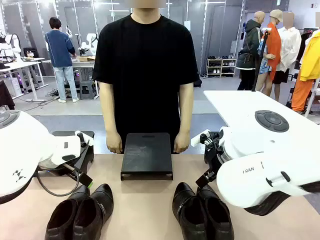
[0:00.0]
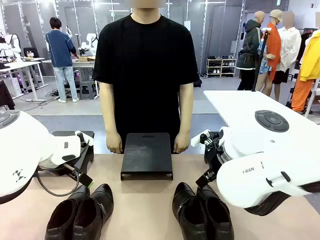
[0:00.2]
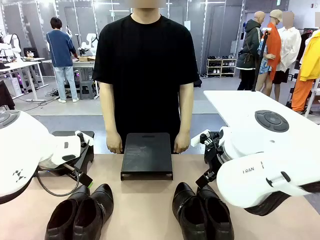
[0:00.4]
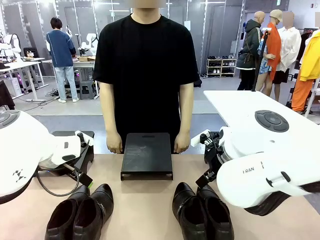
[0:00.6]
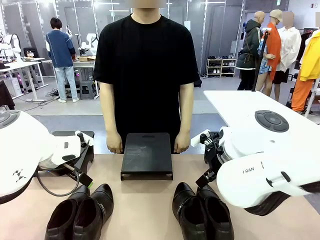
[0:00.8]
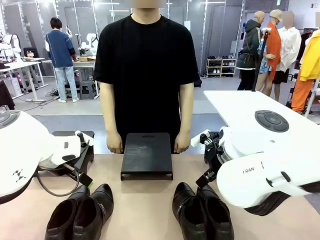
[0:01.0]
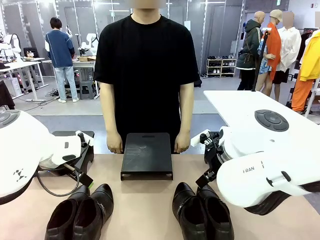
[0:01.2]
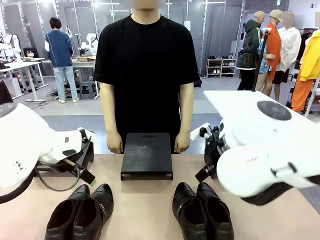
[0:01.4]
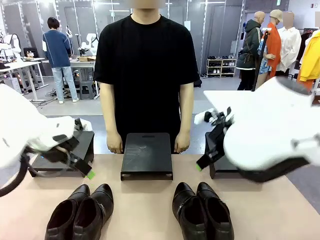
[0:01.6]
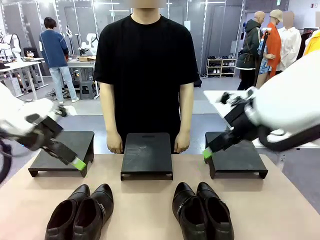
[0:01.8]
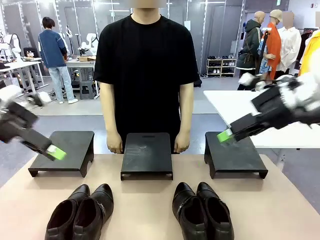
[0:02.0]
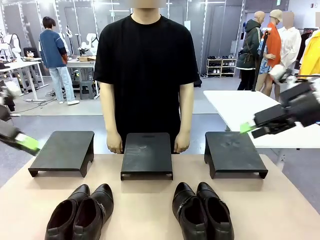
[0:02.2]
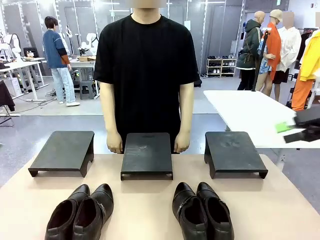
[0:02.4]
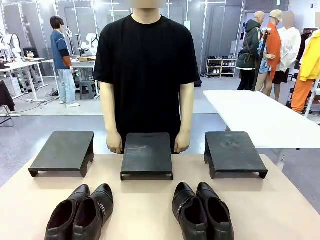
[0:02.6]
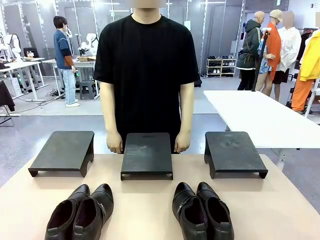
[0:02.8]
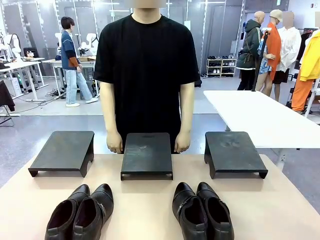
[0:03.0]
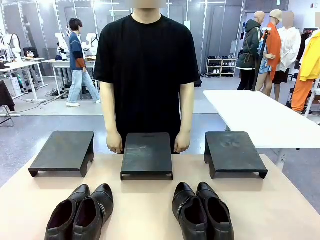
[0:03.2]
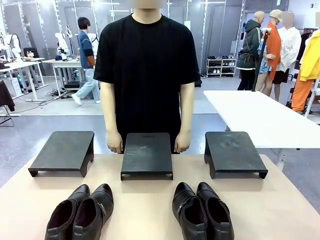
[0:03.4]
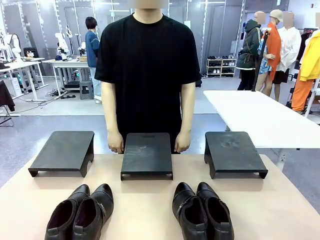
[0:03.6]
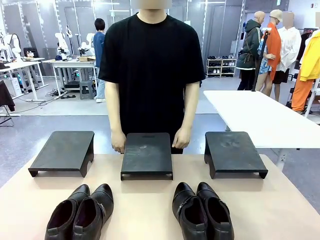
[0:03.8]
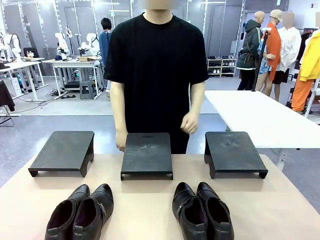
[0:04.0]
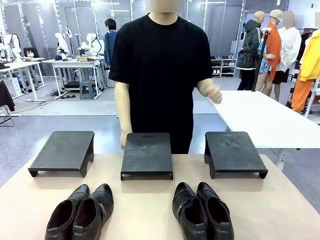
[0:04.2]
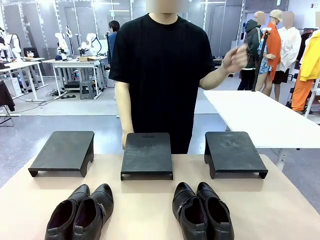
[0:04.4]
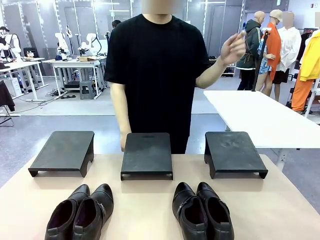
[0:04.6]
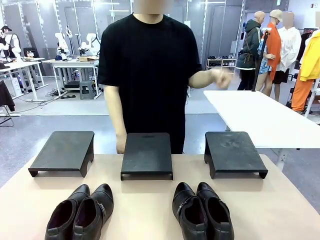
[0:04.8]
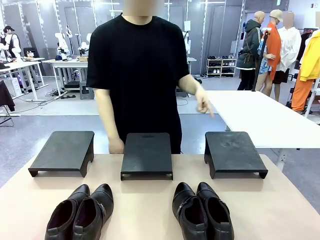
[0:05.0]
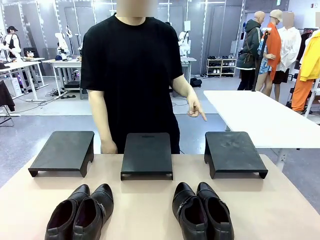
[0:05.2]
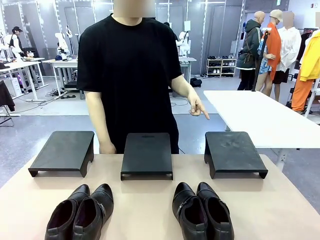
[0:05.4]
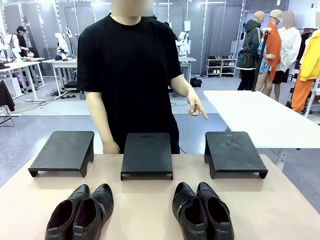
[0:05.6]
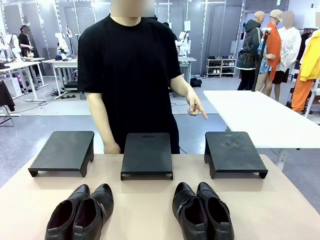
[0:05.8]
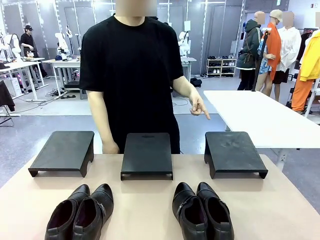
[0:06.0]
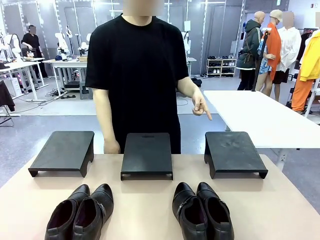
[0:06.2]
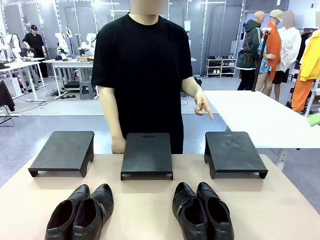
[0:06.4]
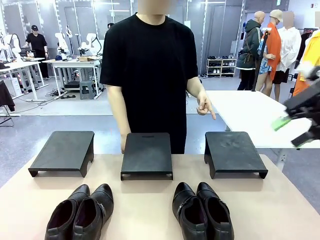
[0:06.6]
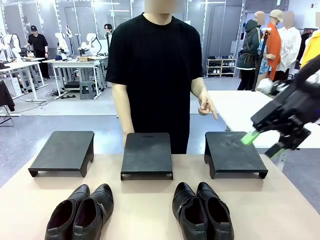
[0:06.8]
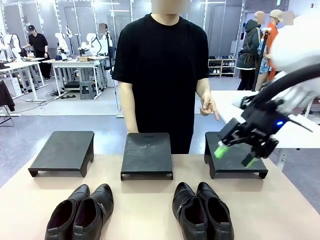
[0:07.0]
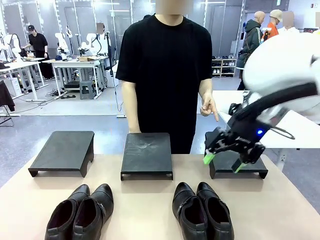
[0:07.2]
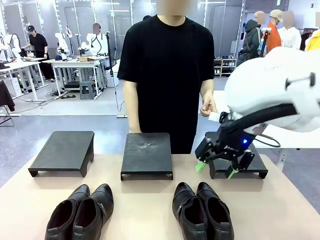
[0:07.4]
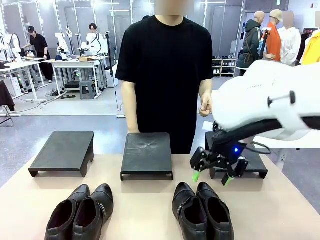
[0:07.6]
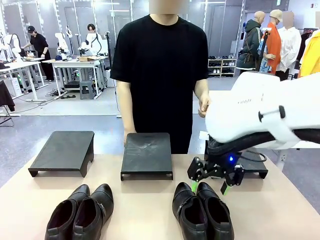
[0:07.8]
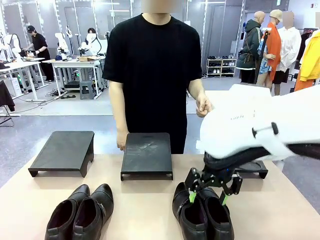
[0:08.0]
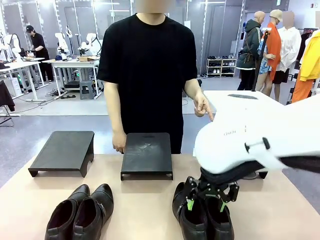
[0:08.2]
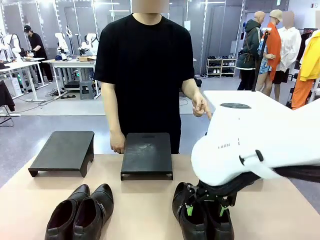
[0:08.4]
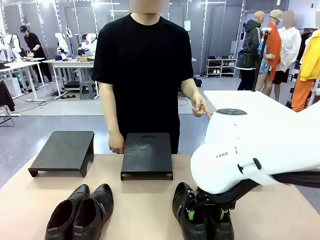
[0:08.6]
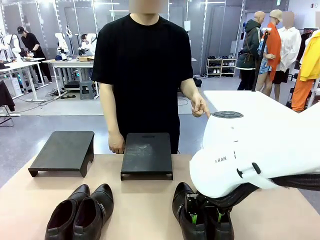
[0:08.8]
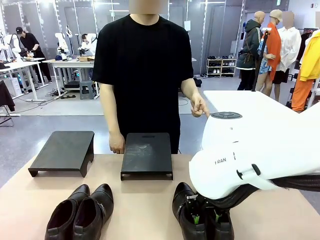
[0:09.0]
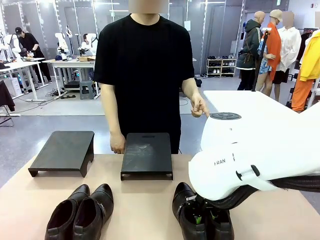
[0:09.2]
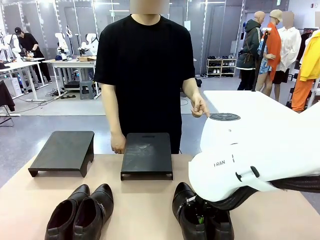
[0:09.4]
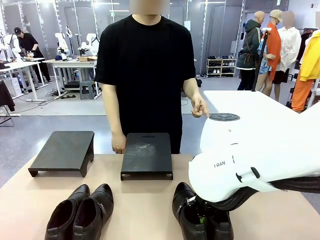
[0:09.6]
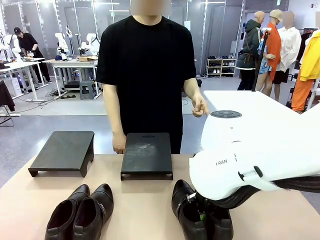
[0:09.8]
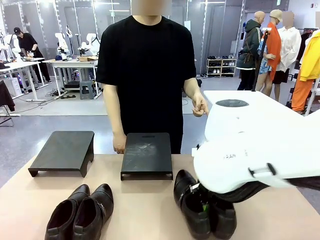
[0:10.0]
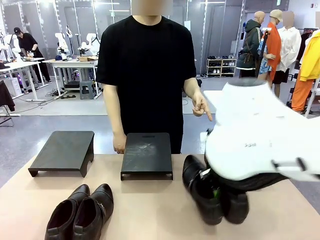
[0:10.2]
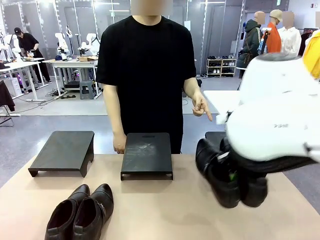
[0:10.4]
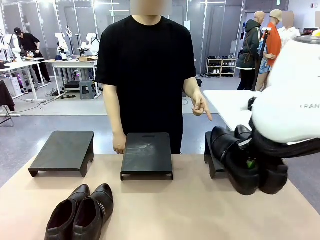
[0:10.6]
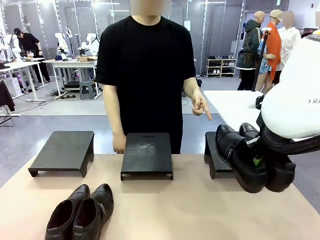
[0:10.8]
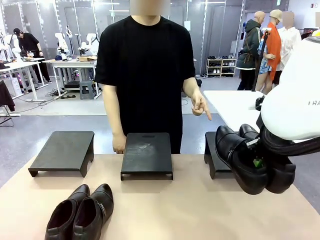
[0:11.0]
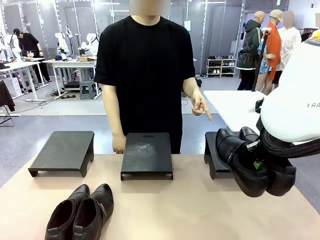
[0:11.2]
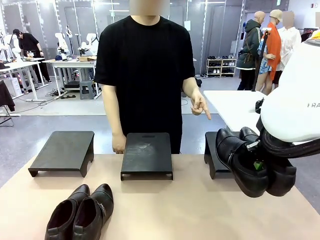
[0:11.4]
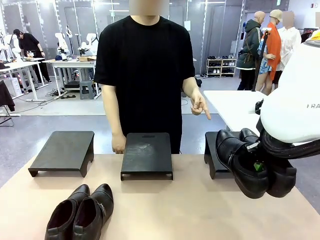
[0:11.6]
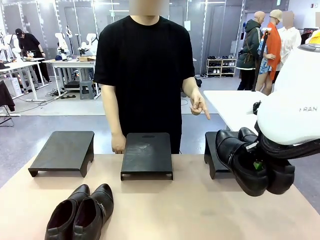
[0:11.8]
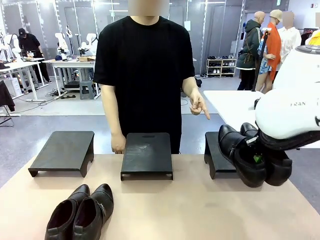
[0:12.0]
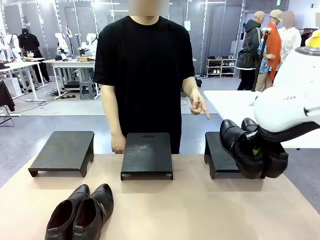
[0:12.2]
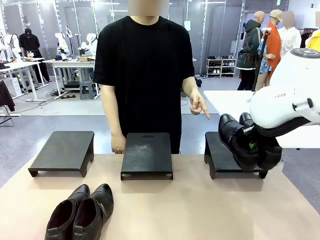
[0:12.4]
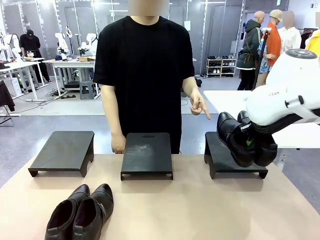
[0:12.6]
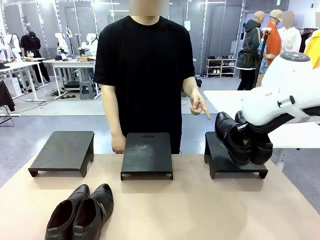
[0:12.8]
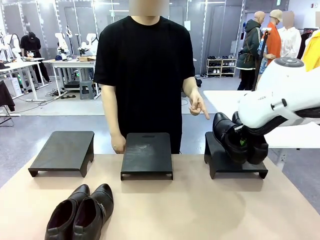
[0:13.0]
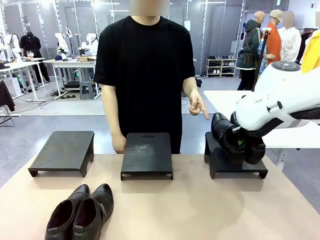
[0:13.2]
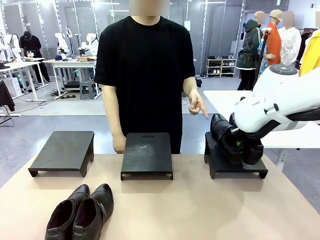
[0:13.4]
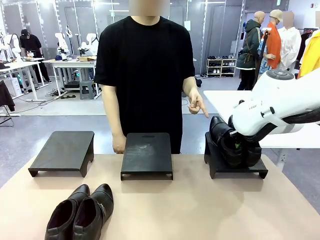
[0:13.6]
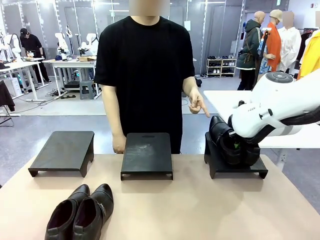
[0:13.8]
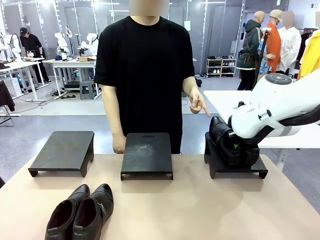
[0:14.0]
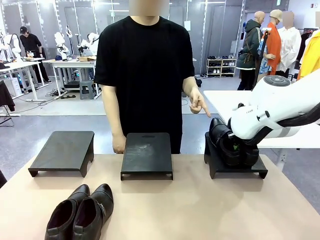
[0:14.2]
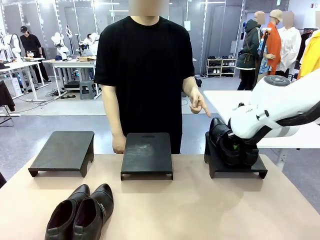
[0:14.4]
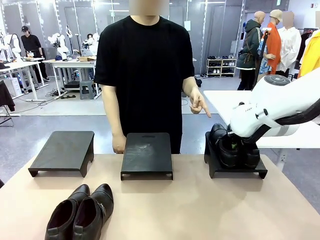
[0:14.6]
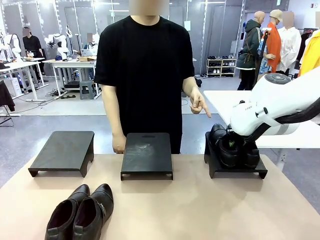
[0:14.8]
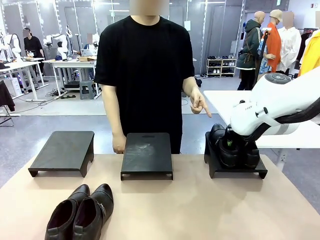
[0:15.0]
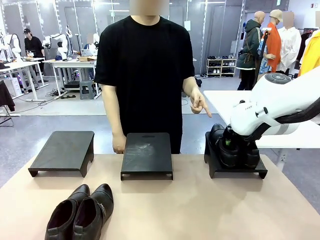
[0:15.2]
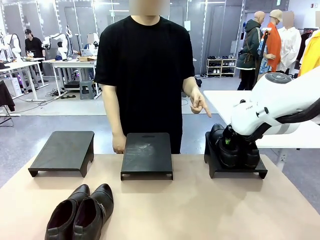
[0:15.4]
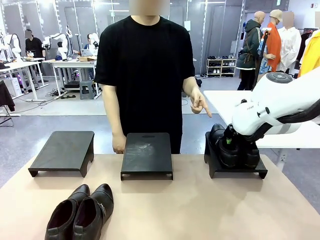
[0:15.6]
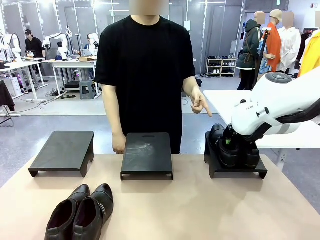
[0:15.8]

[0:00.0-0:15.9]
Task: Place the shoes on the stand as instructed by the person.
Robot: Pick up one pair of Shoes and place it on the Shoes Stand indicated by the person.
